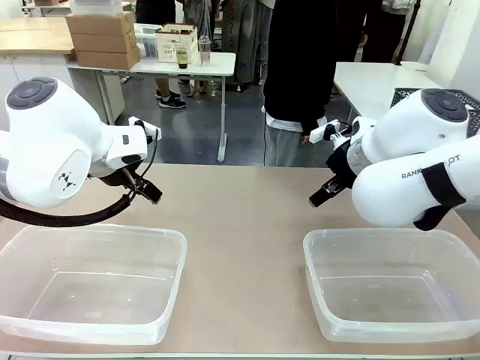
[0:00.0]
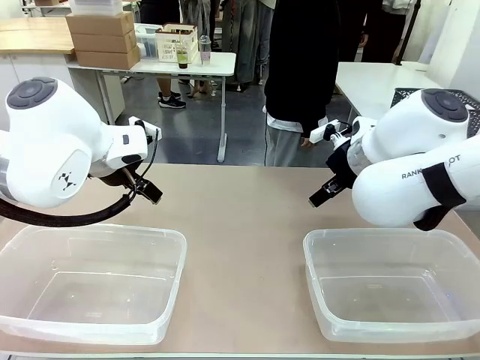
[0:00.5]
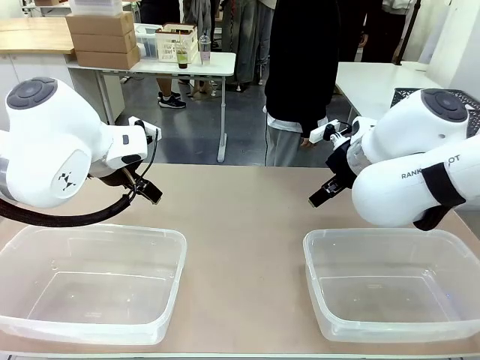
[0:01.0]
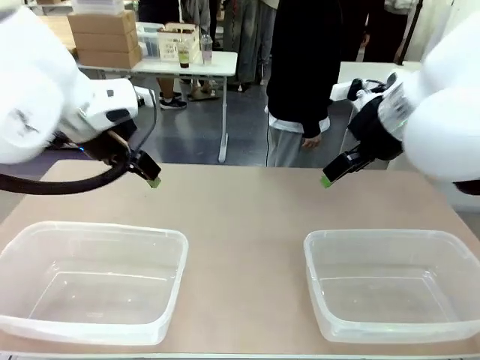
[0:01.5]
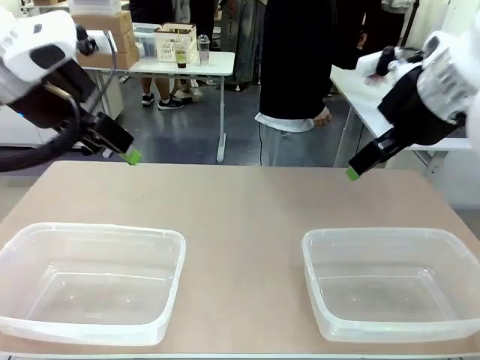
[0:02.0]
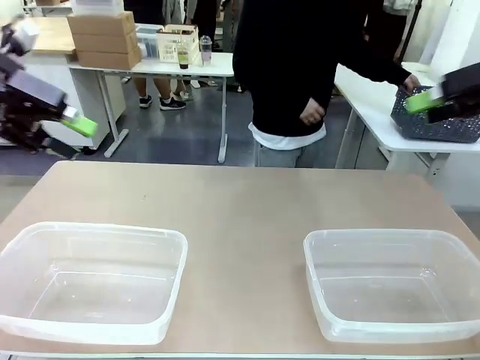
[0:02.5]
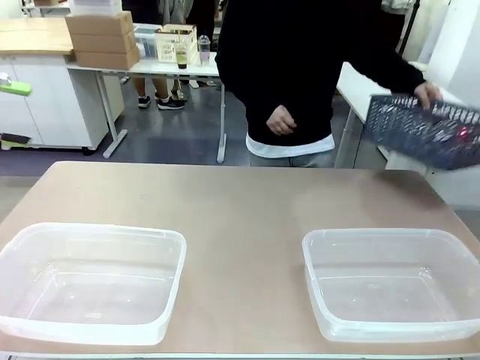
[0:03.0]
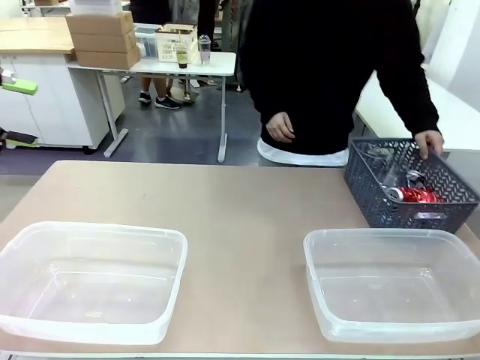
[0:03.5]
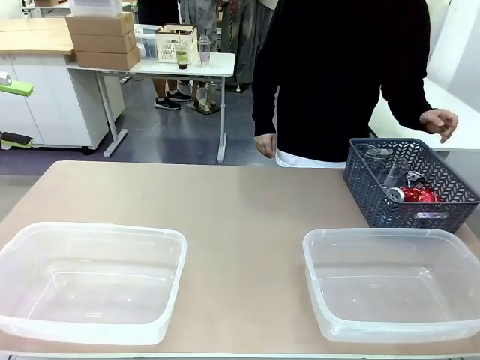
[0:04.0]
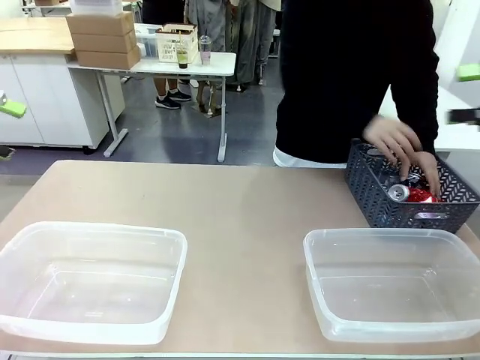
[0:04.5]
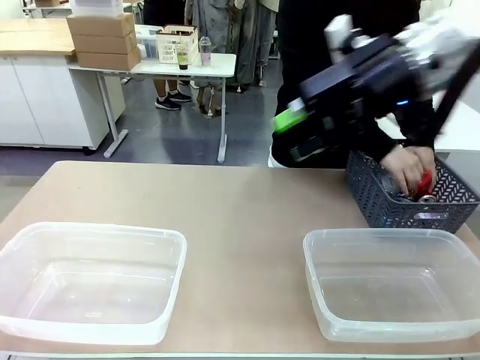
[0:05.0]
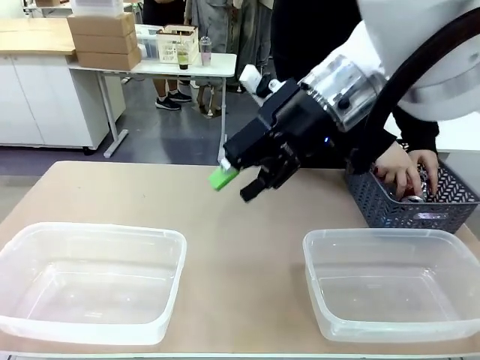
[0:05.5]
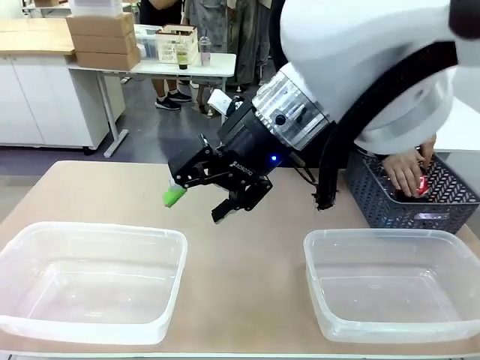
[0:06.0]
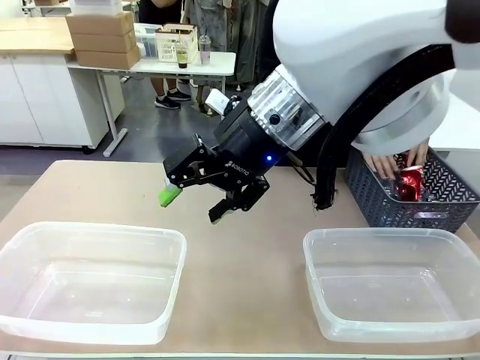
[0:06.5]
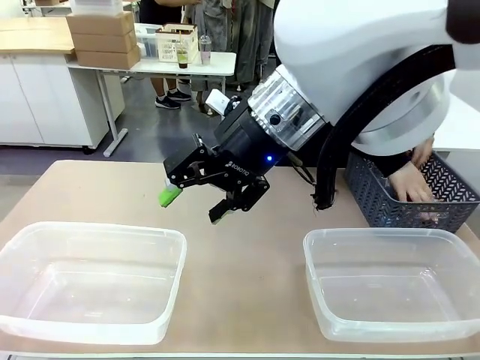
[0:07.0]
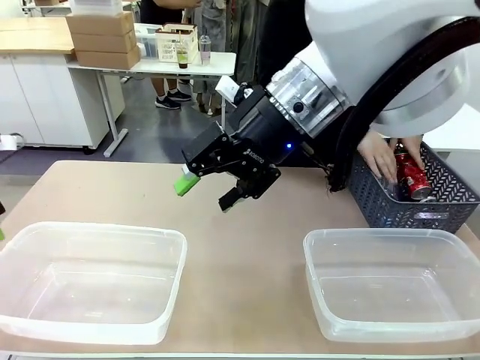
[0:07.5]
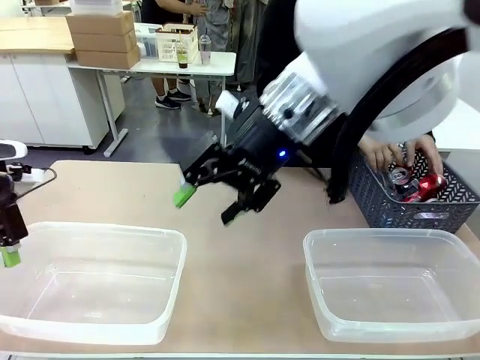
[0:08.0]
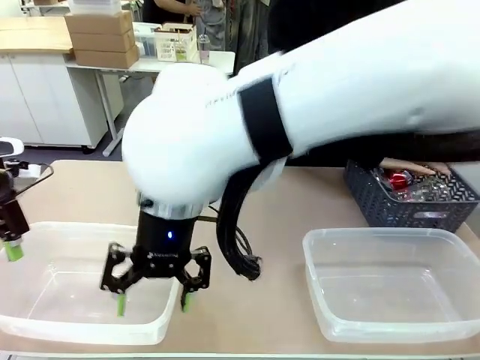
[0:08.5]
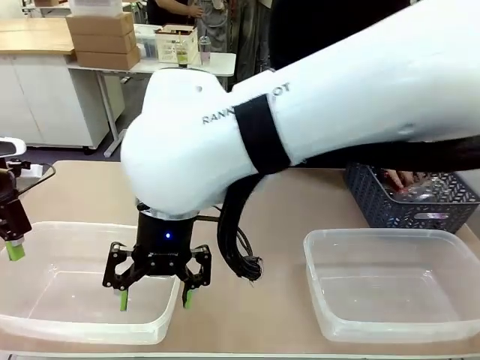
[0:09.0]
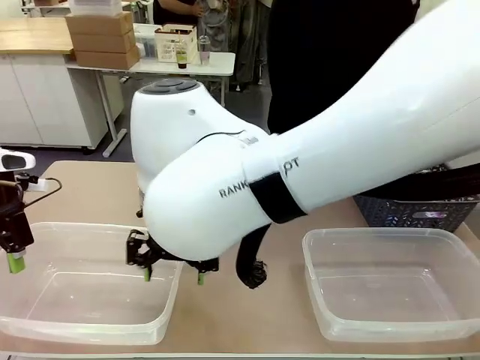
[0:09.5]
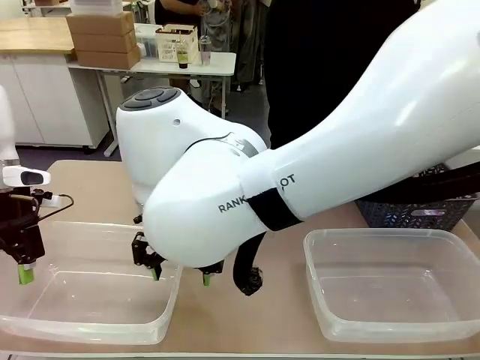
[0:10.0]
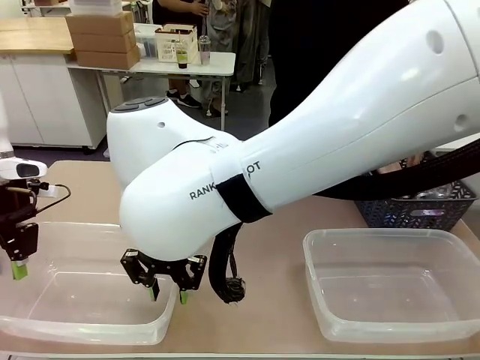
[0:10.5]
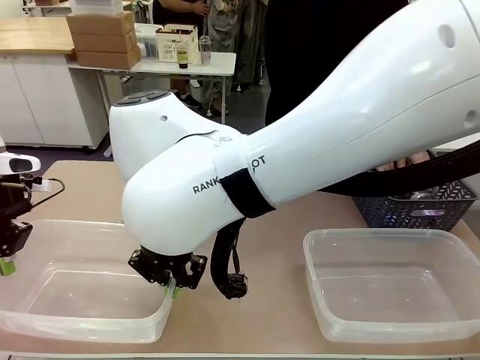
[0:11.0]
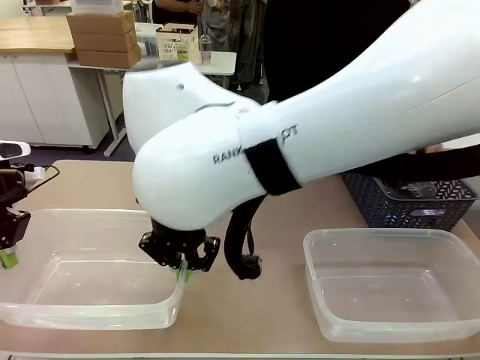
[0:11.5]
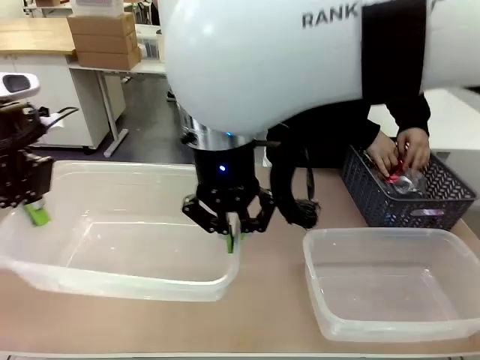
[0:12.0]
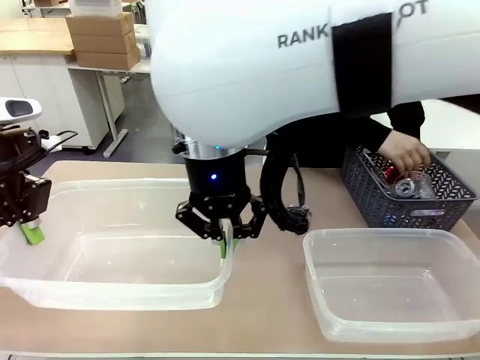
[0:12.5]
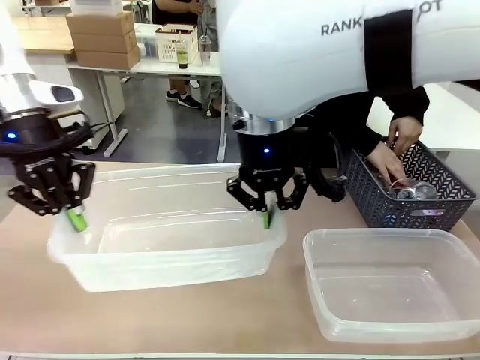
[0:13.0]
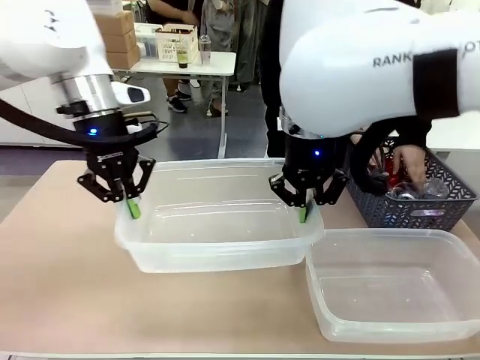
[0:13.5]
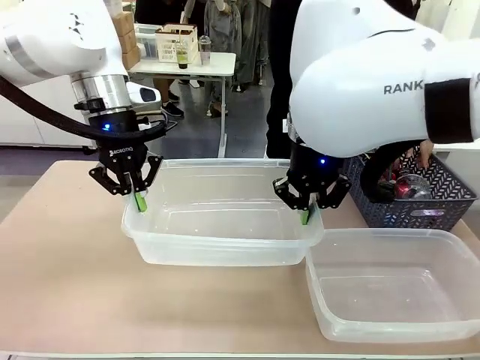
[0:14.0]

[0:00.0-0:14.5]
Robot: Pick up the Organizing box on the left side of the table and lift it.
Person: Pick up the storage basket and place it on the left side of the robot table. Pick up can-shaped waste one by one and place it into the organizing box lifted by the robot.

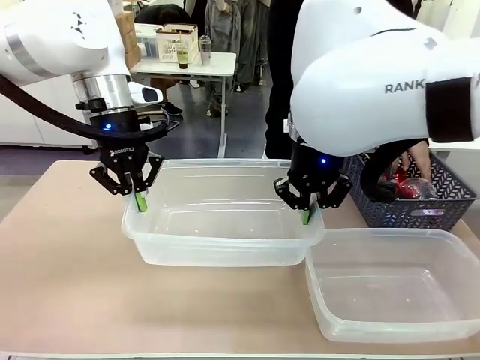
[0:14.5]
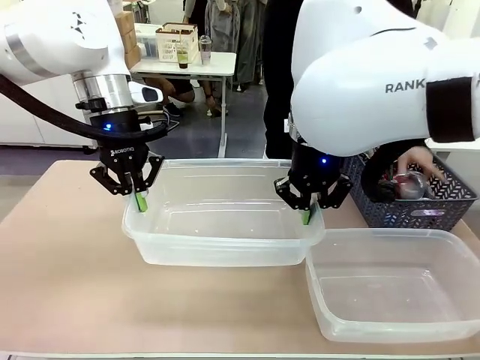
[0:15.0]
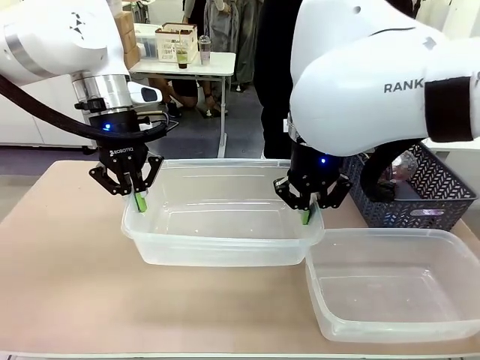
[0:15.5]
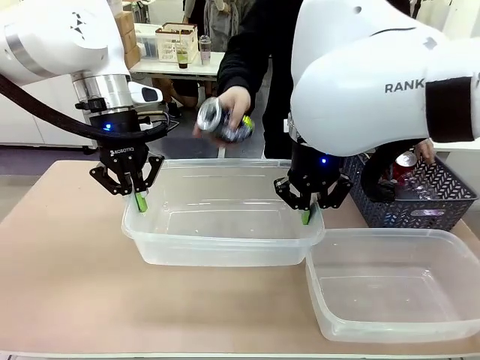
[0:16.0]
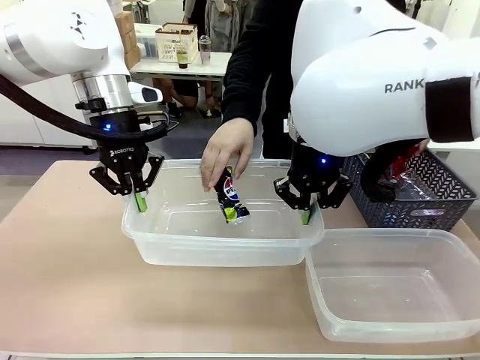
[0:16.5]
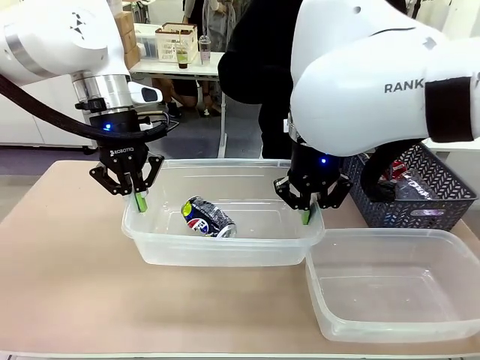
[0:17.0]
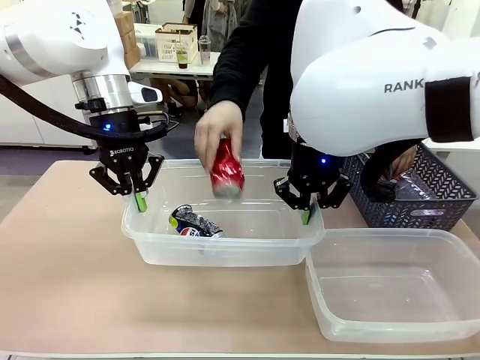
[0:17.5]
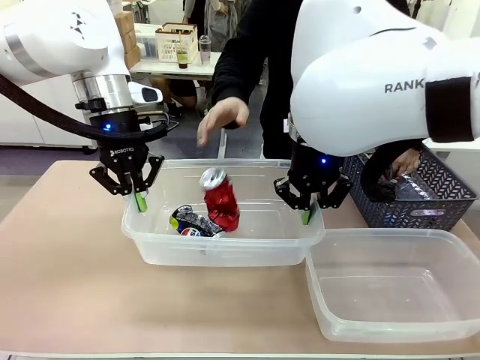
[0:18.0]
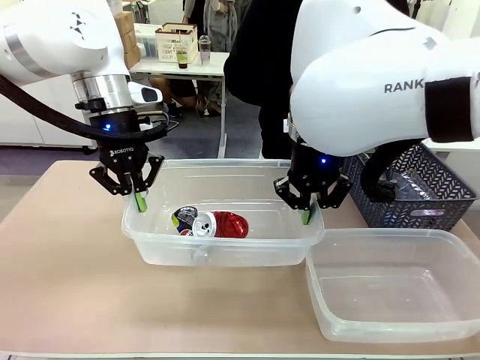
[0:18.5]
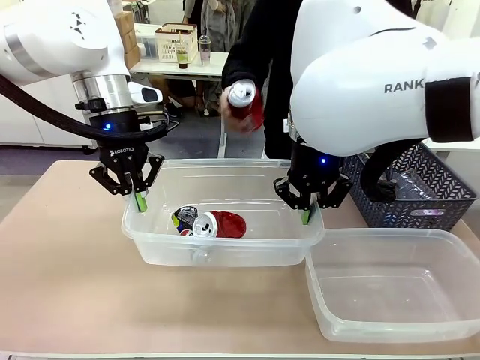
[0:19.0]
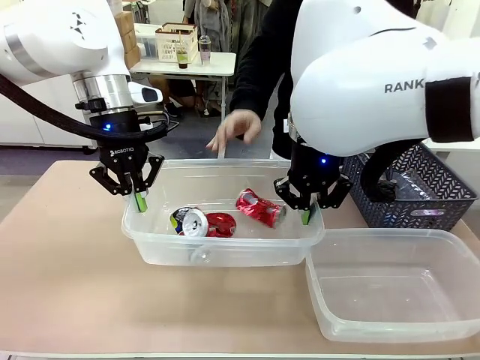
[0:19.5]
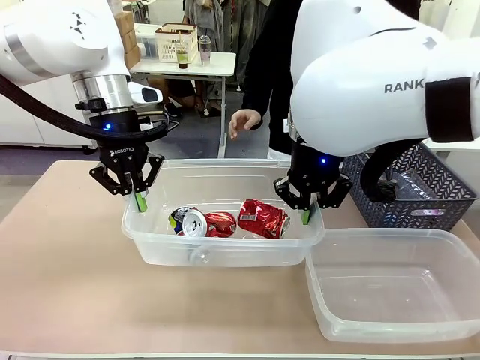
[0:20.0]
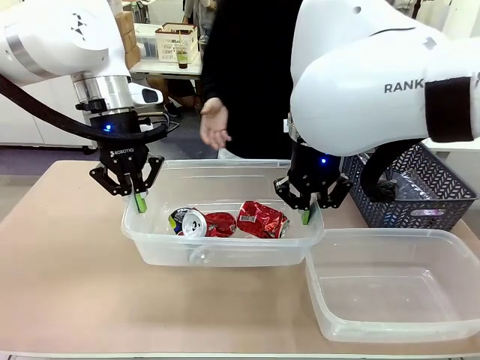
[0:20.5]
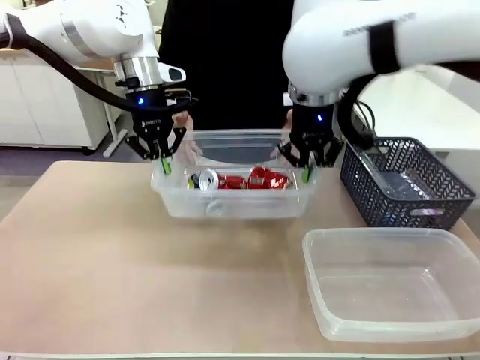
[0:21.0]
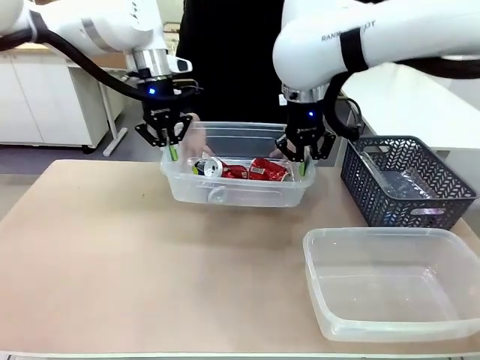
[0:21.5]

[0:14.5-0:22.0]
Robot: Offer the picked Organizing box to the human.

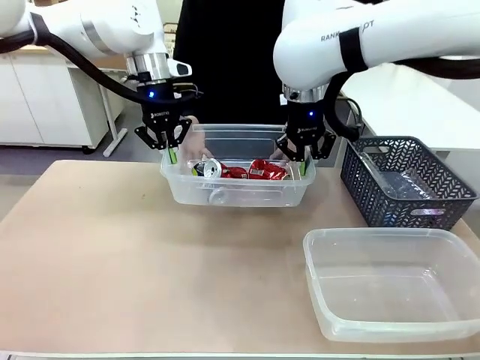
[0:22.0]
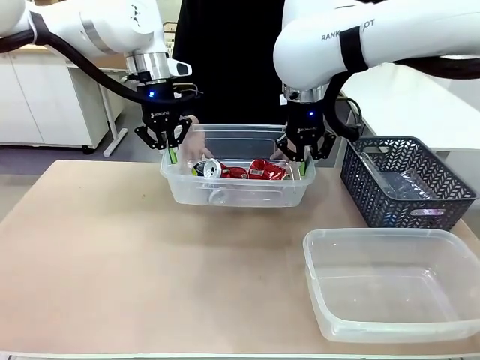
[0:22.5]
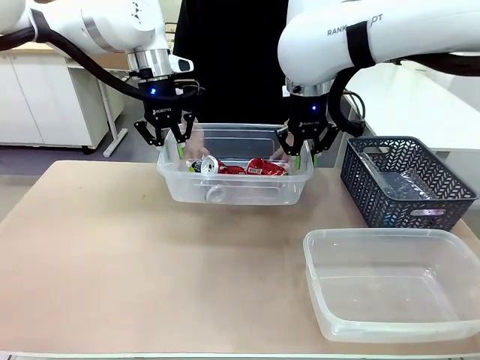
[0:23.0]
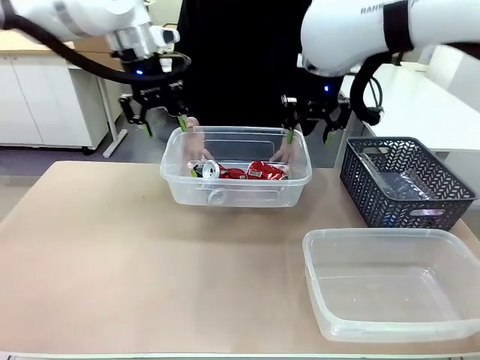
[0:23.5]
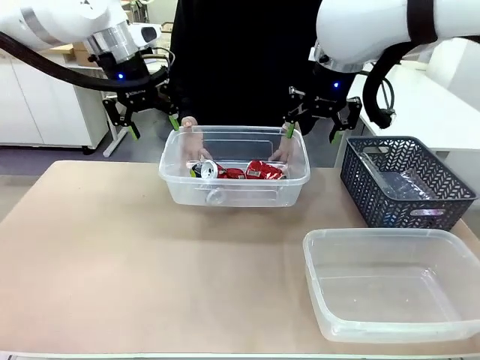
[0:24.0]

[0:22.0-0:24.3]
Robot: Release the Organizing box you were holding.

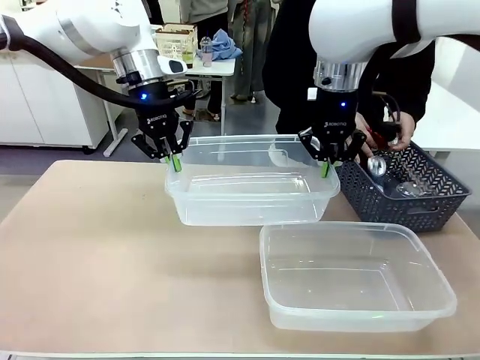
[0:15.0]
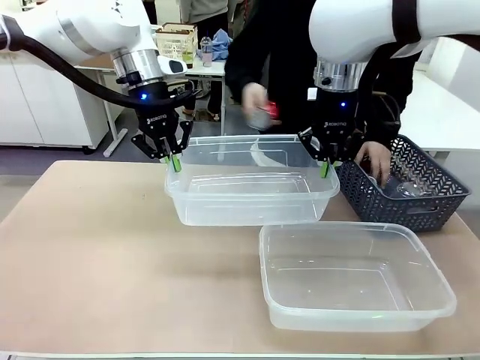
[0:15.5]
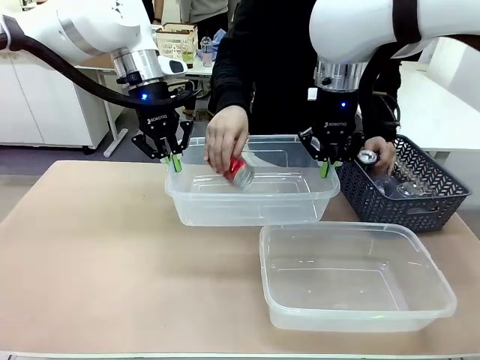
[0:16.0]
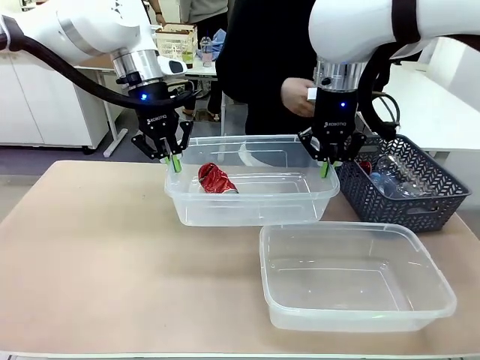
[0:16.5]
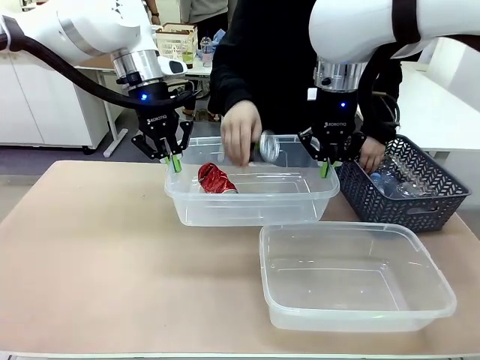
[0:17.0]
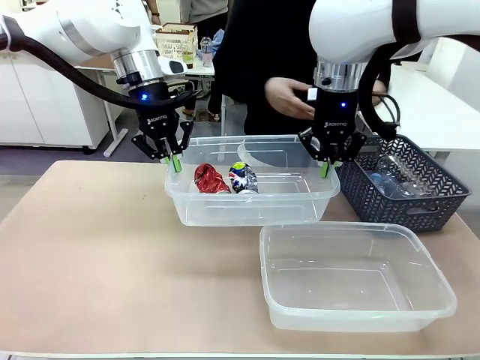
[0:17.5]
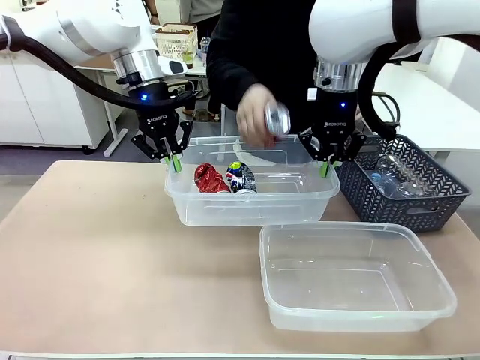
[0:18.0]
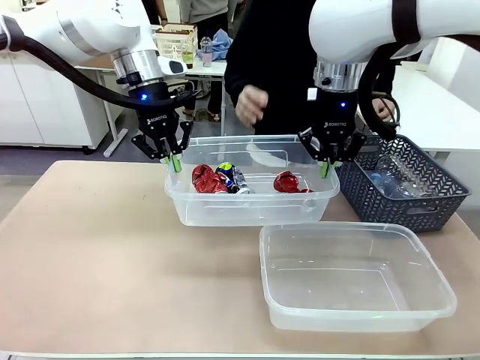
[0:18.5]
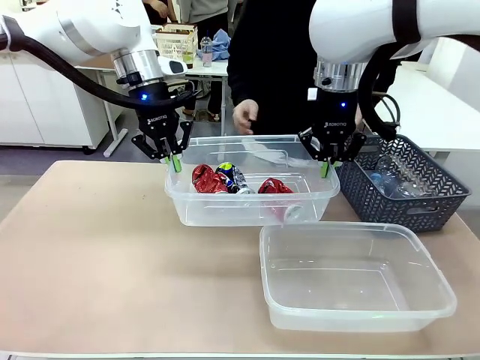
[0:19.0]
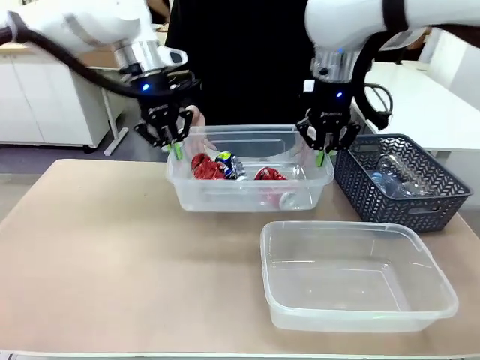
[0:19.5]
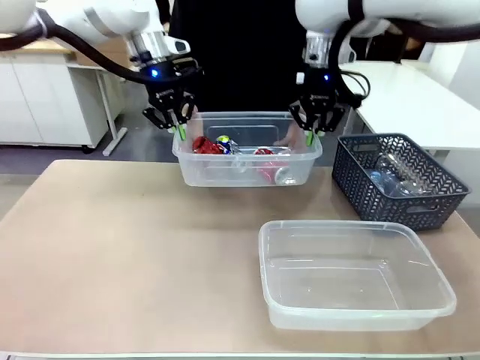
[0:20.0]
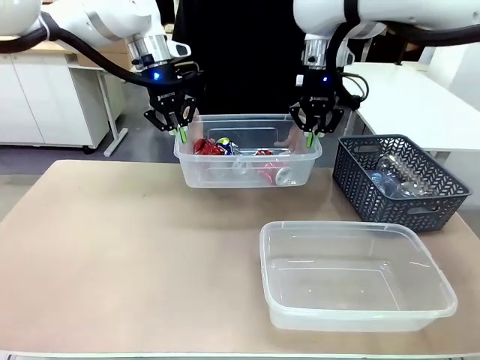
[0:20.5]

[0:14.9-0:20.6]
Robot: Offer the picked Organizing box to the human.
